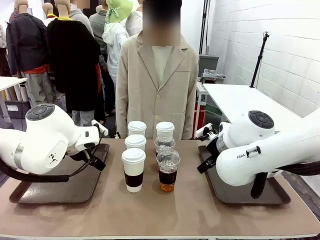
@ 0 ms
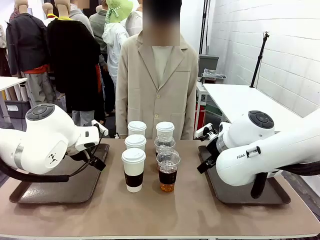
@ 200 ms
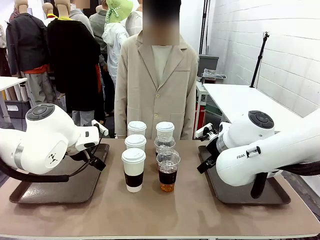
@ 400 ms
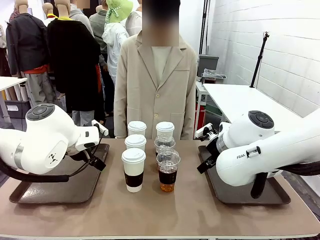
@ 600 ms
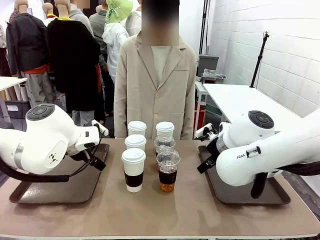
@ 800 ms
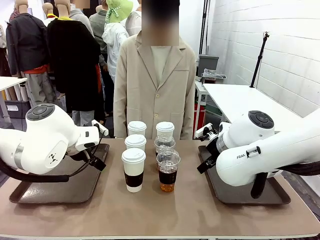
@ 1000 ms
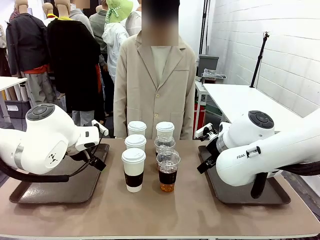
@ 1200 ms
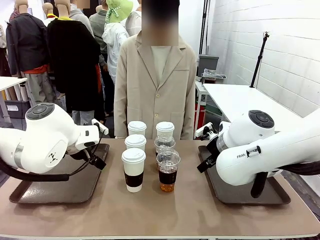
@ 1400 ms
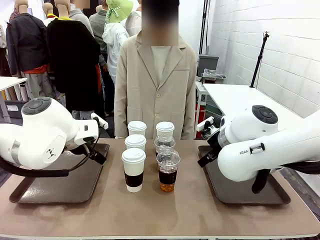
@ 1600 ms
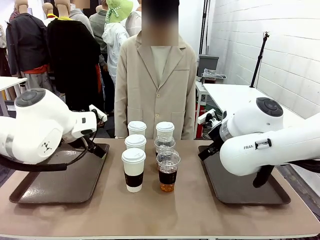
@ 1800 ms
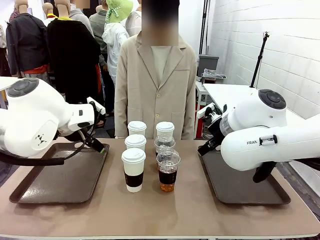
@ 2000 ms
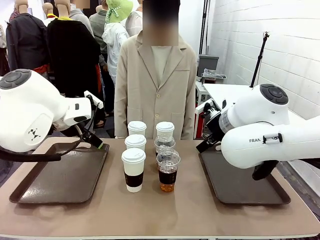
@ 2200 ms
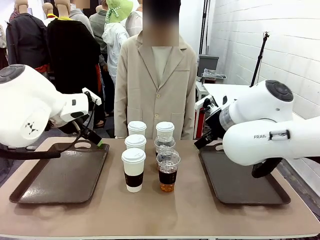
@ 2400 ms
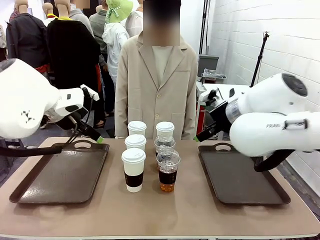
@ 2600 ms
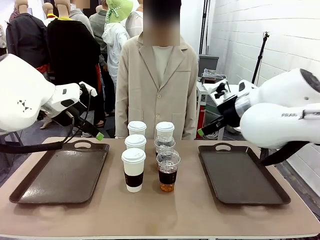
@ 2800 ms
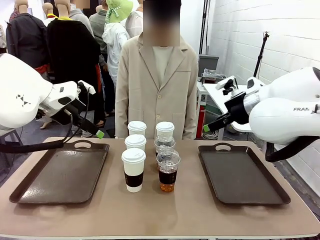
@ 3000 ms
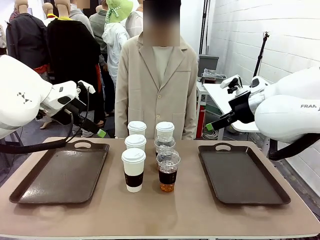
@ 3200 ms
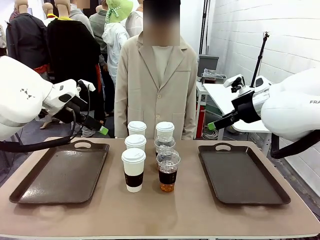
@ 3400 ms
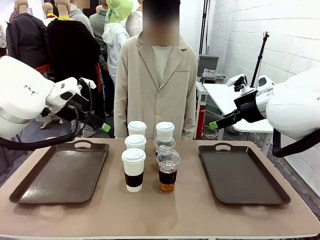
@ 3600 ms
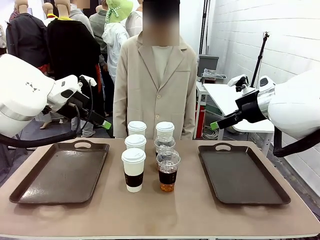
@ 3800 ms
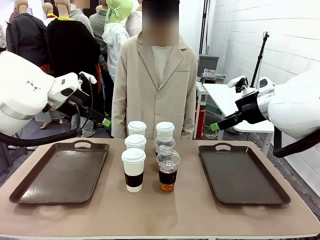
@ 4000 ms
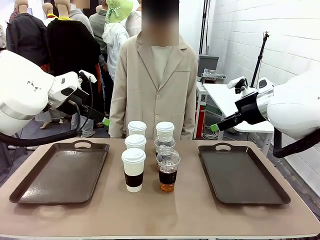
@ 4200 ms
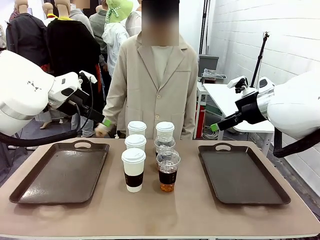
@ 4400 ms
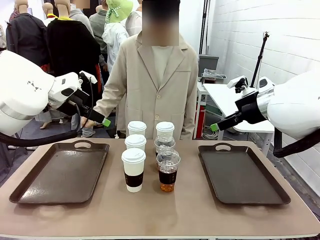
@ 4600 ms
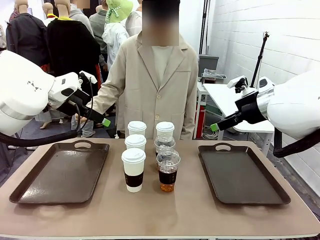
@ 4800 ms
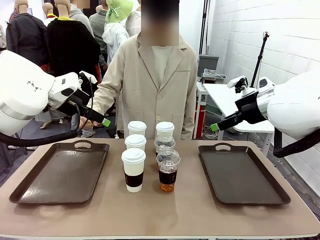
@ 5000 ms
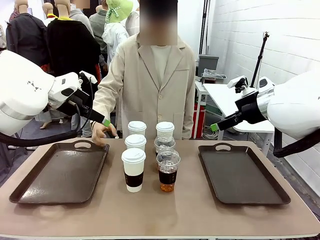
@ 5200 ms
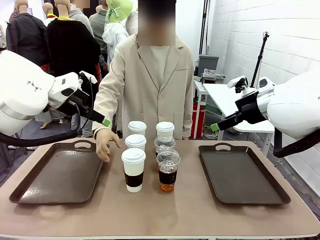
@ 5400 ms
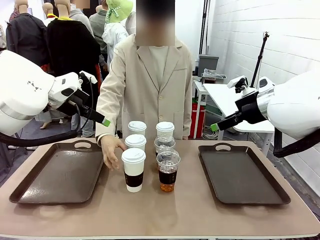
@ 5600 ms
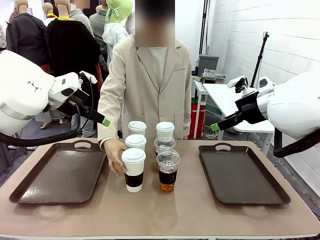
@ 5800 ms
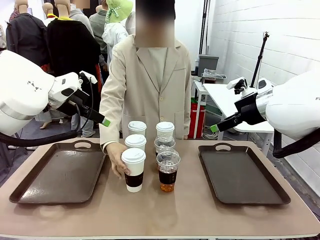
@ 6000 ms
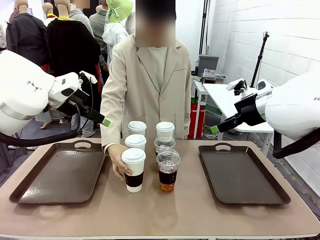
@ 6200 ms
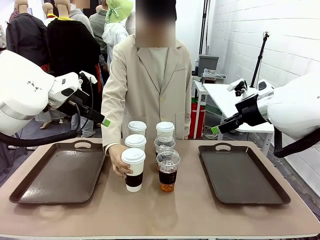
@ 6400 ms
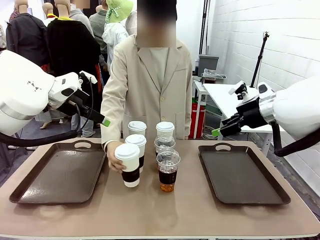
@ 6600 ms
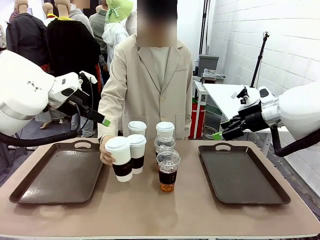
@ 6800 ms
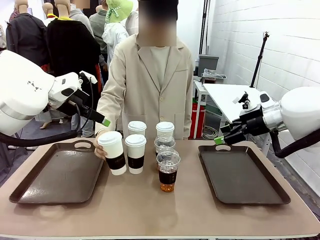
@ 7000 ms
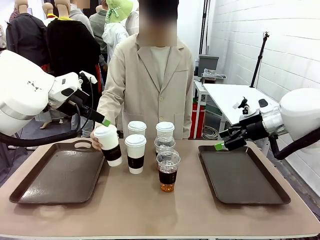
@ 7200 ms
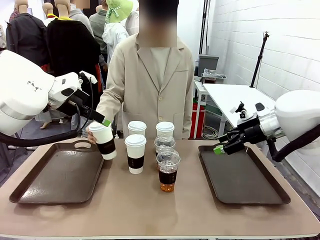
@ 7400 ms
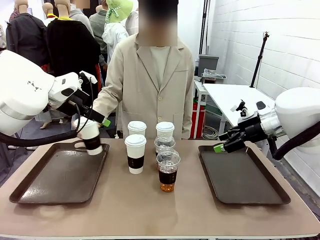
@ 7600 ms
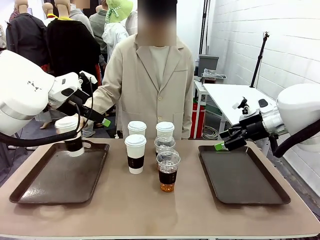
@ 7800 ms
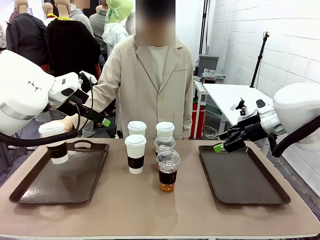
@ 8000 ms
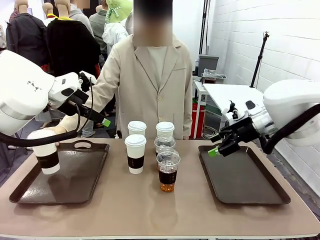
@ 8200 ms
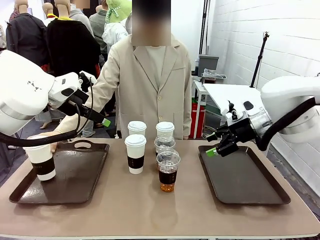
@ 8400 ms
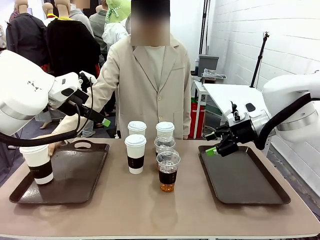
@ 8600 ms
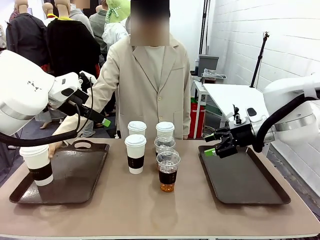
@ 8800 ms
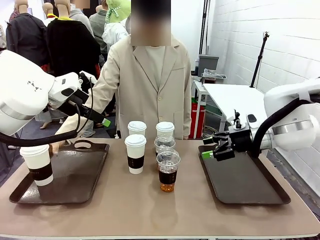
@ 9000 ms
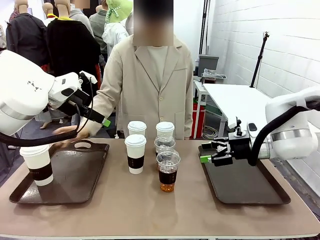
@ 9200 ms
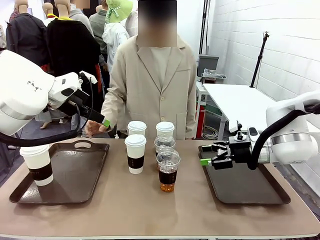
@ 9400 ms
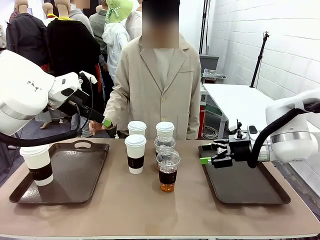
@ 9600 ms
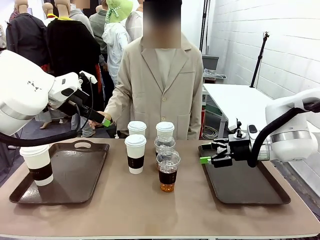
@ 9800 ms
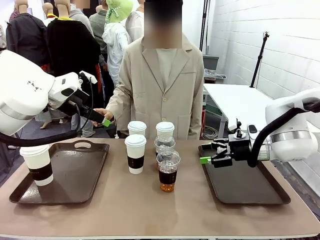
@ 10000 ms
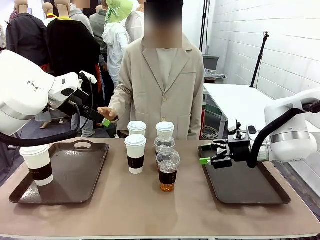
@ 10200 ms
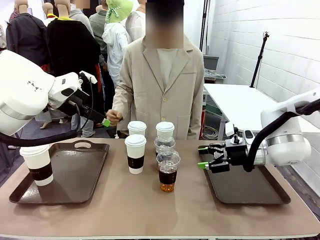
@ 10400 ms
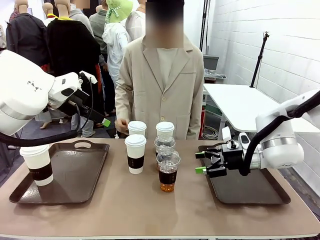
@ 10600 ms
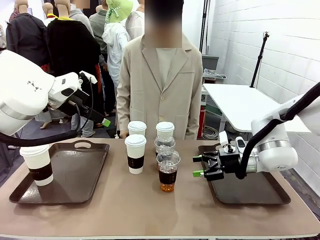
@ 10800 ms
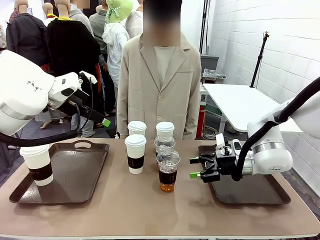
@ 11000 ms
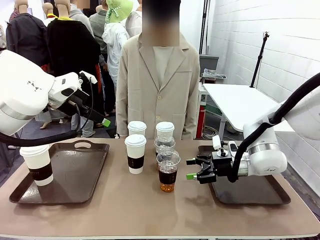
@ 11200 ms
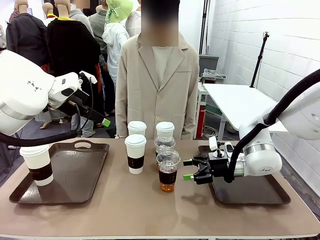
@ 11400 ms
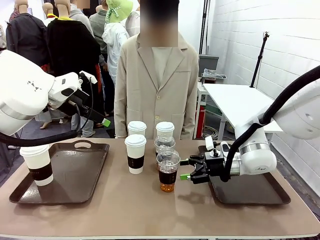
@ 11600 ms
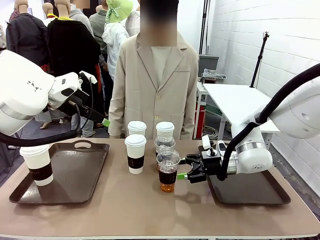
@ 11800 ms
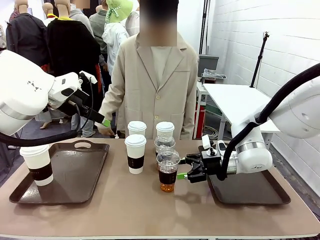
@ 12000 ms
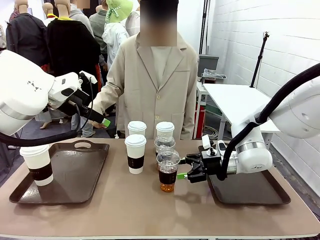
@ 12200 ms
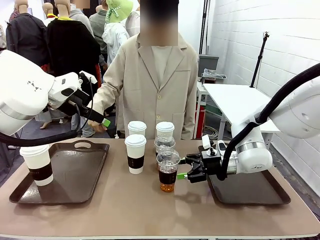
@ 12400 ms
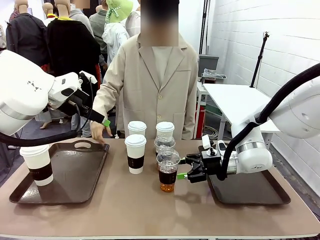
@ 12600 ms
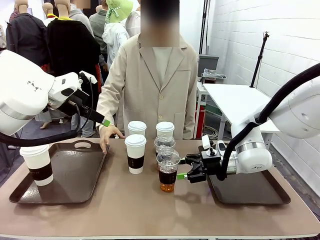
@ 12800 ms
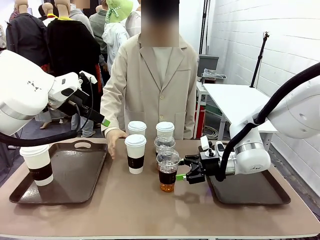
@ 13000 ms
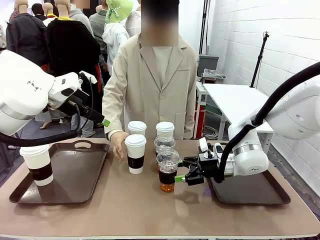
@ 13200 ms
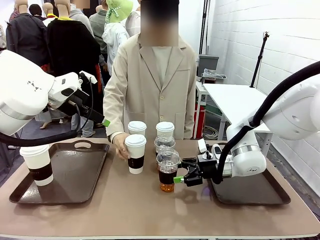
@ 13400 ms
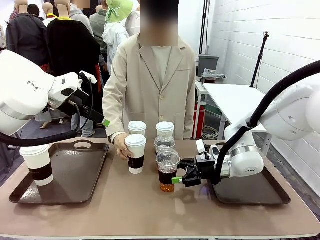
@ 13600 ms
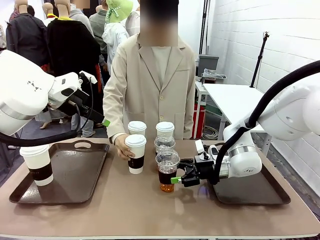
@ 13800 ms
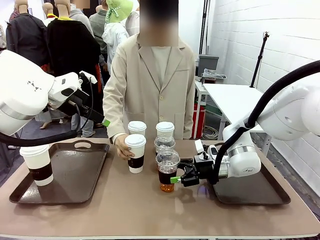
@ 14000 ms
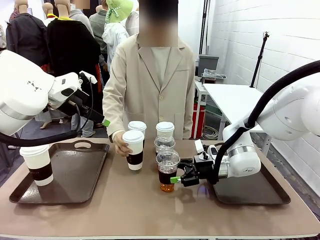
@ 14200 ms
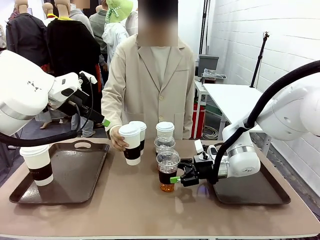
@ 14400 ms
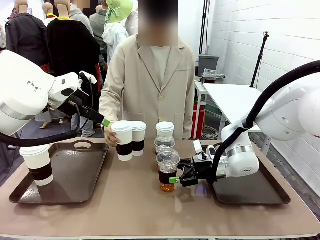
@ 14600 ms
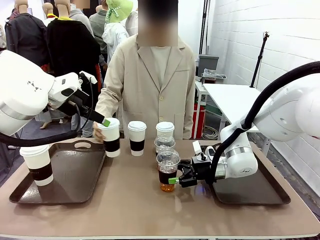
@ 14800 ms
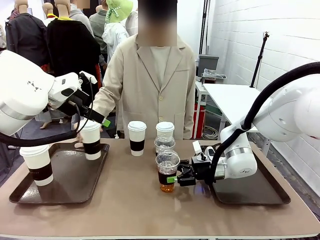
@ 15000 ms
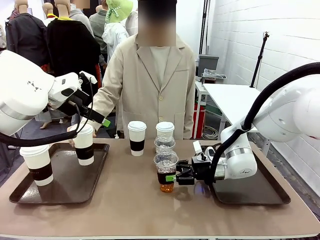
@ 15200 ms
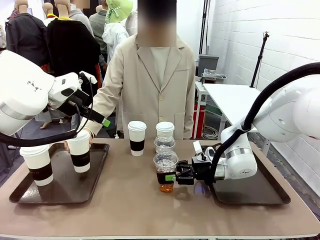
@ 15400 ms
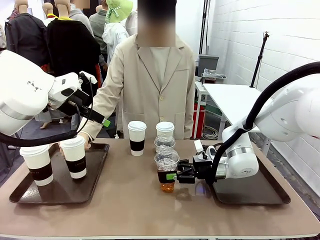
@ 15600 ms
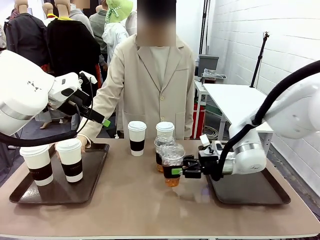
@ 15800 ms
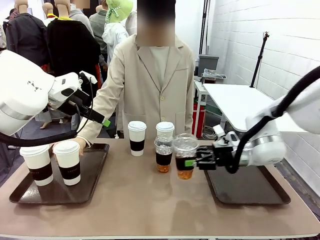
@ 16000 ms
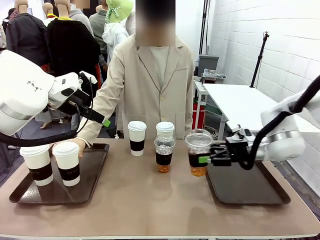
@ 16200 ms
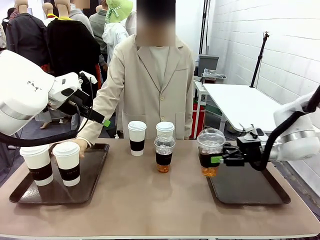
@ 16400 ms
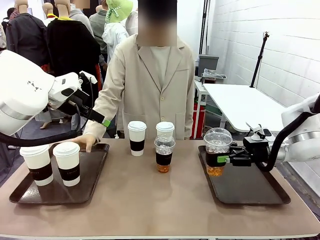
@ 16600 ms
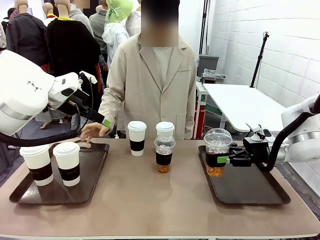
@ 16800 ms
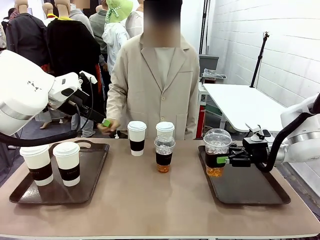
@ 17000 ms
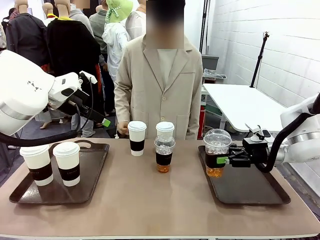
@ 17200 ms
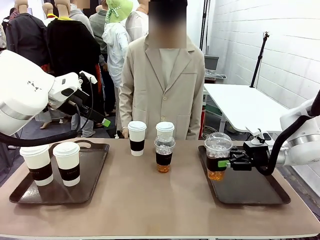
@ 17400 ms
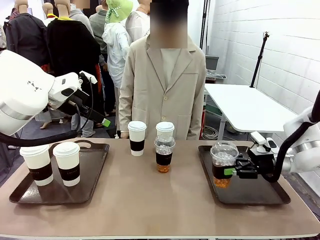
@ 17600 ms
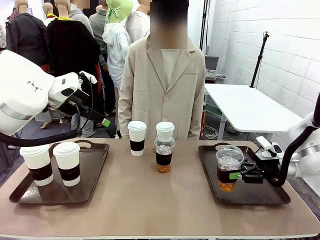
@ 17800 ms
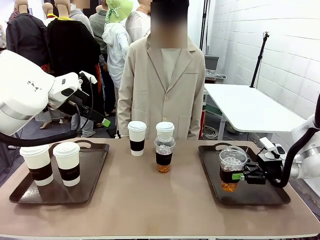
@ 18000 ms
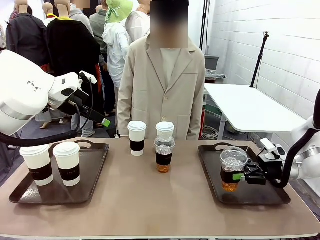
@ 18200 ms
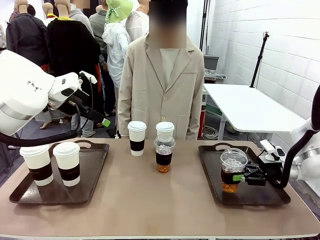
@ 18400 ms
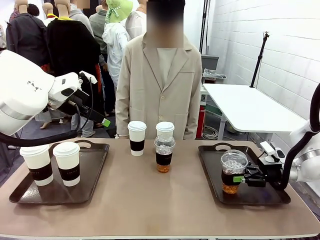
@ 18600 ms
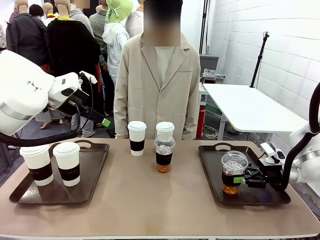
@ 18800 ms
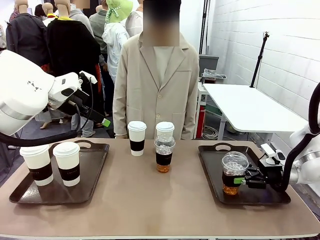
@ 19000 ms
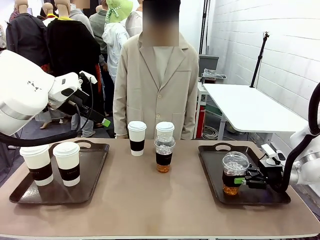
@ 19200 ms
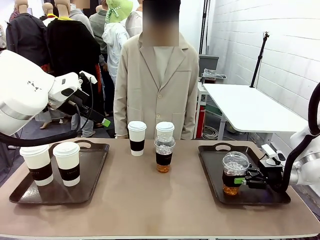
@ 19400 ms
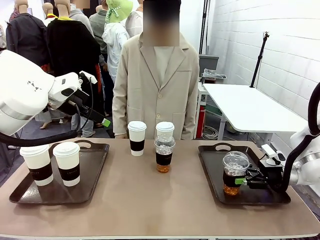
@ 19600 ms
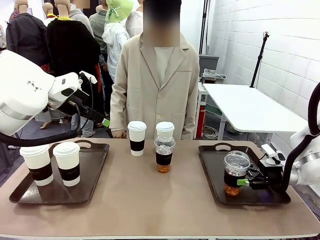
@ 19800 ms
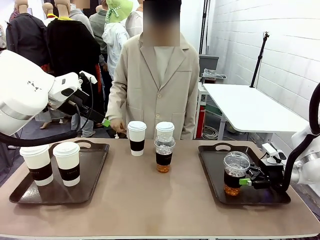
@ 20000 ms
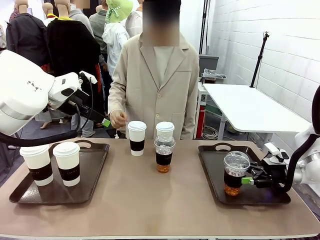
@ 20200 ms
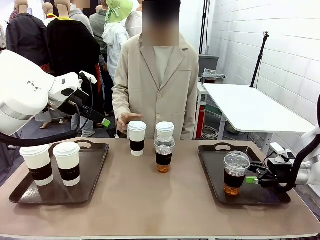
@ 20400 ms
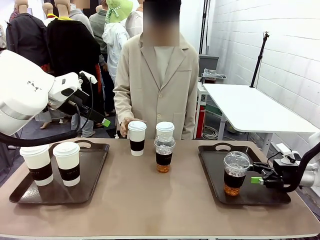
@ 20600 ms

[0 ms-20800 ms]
Task: Distribute the coffee onto the tray.
Robot: Pick up one iced Americano and place it on the right Handle tray.
Person: Pick up a cup of hot Americano and place it on the right tray.
